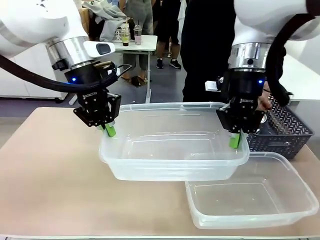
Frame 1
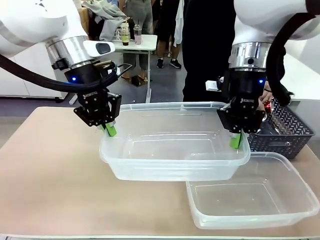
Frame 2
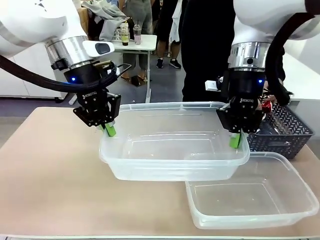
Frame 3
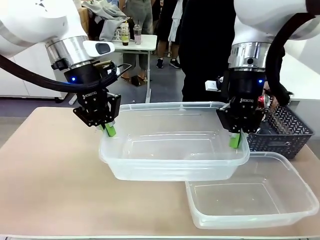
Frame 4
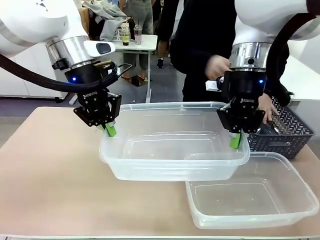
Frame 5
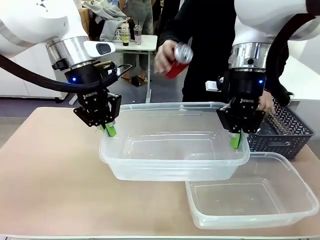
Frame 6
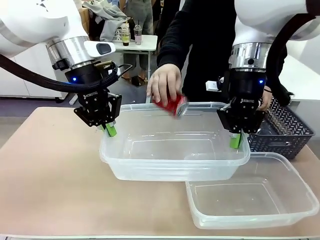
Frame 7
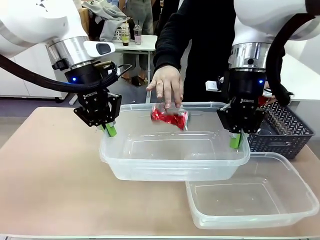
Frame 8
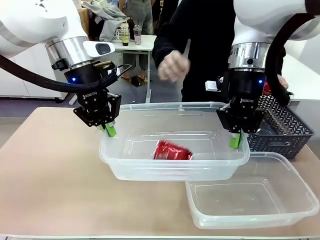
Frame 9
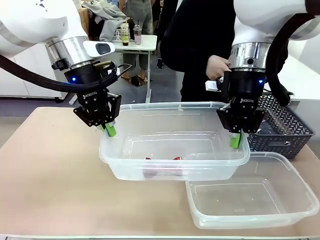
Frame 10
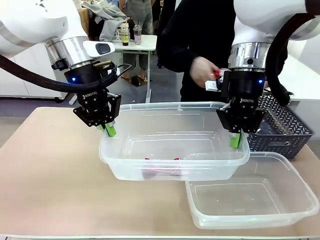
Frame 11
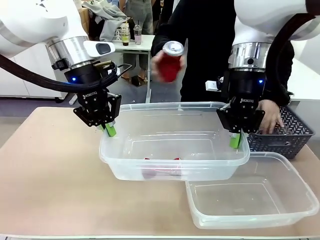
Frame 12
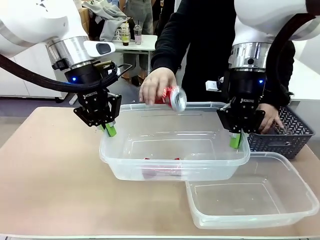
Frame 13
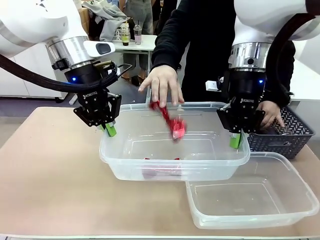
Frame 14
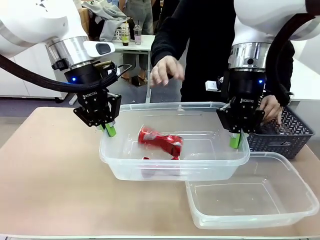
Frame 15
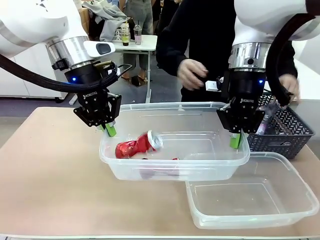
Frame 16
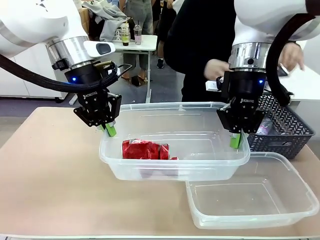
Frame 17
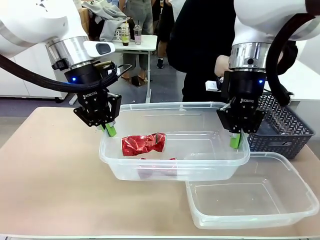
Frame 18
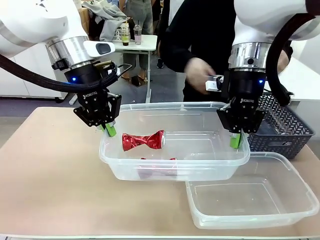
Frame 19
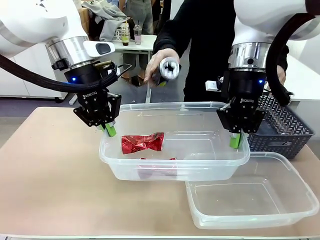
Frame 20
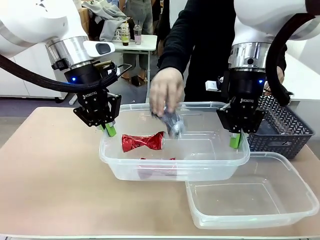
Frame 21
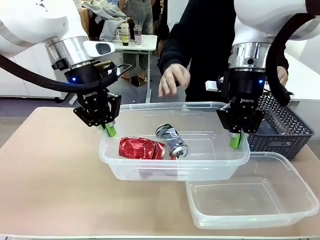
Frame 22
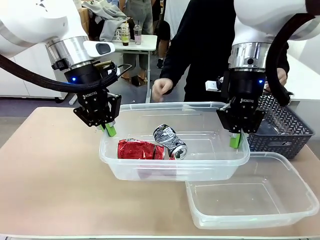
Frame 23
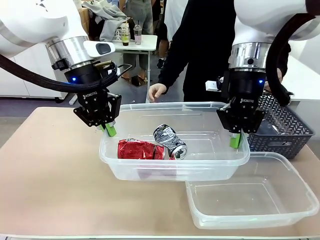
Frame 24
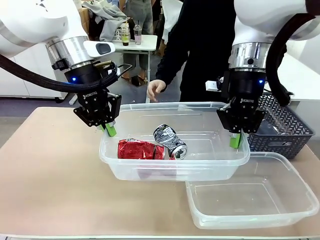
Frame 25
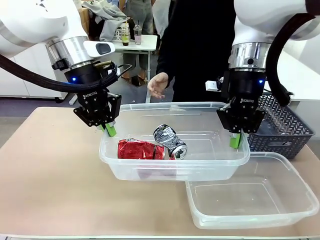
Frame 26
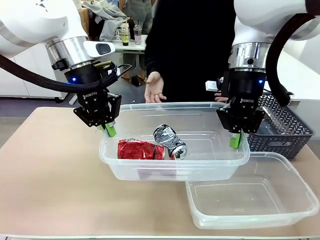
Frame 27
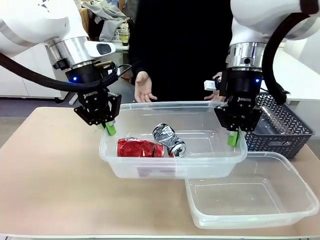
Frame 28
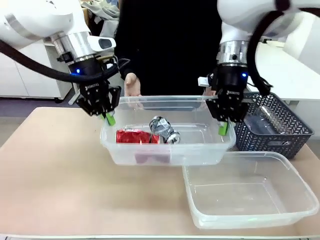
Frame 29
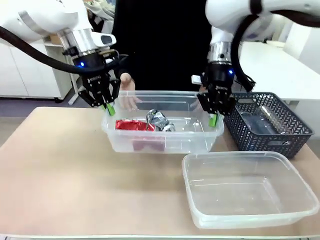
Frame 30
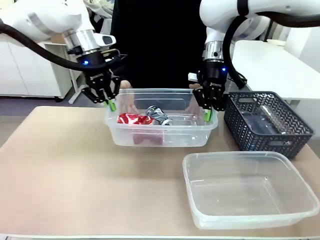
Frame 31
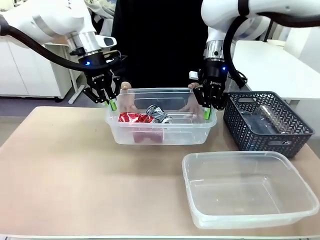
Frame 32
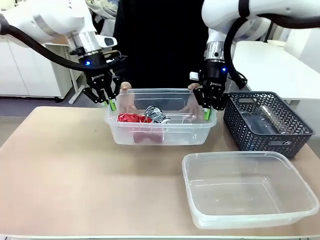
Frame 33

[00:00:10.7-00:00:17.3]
Robot: Offer the picked Organizing box to the human.

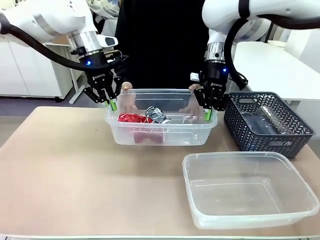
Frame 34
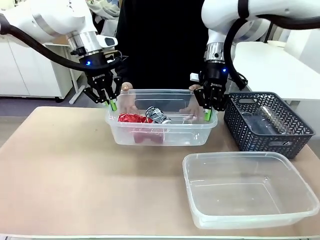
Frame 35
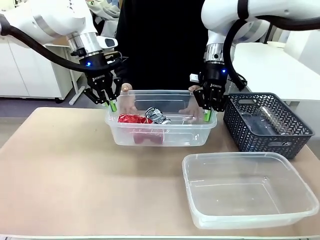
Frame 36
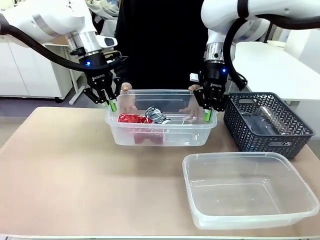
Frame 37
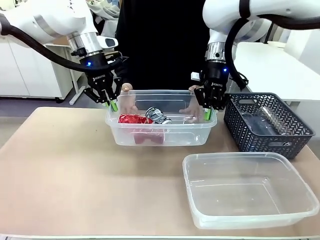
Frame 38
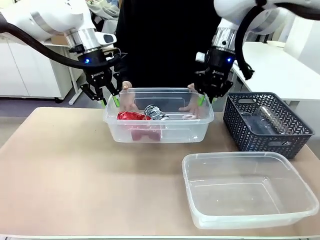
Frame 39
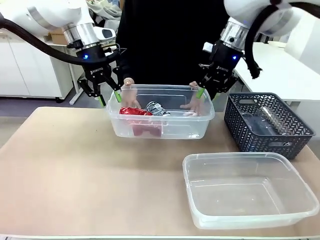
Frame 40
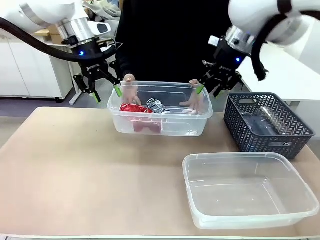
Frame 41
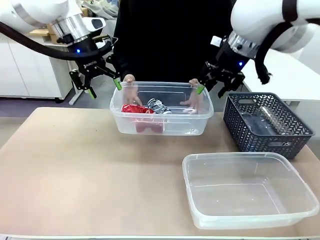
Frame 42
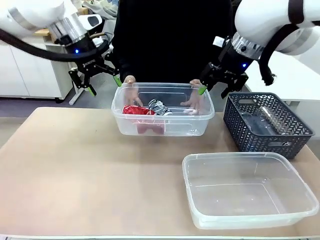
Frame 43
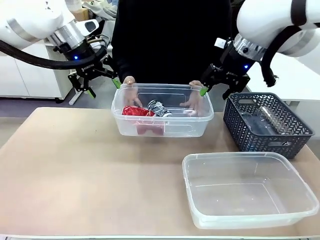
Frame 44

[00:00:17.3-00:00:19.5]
Robot: Release the Organizing box you were holding.

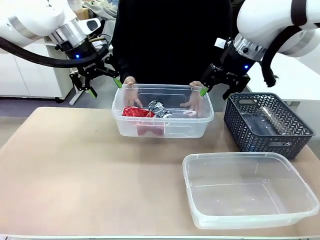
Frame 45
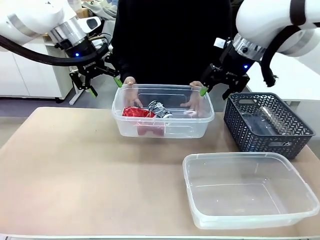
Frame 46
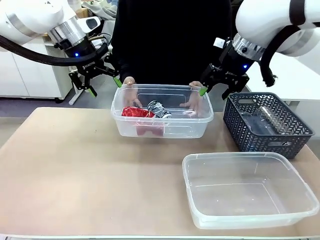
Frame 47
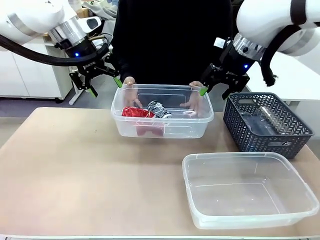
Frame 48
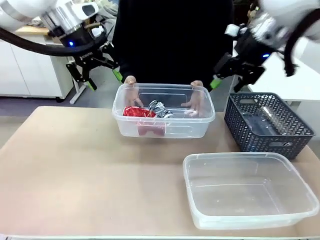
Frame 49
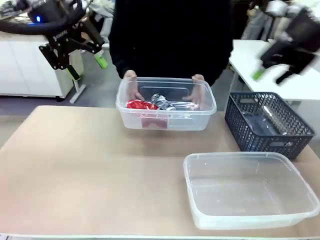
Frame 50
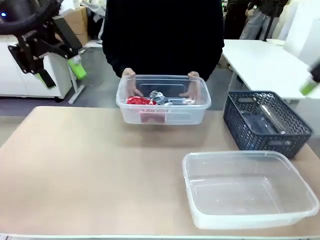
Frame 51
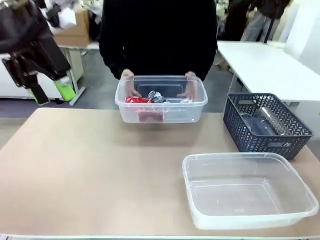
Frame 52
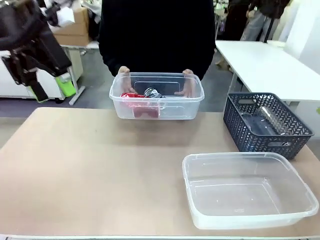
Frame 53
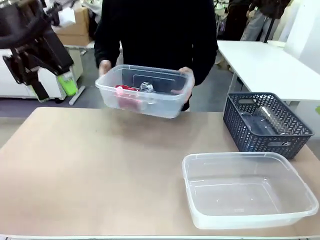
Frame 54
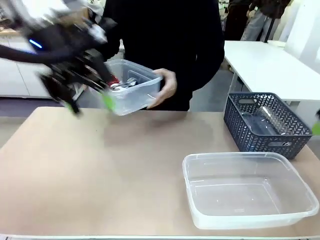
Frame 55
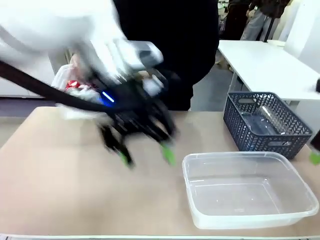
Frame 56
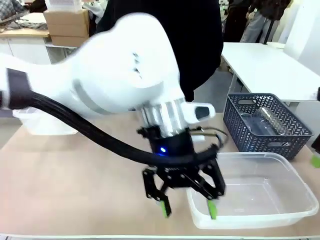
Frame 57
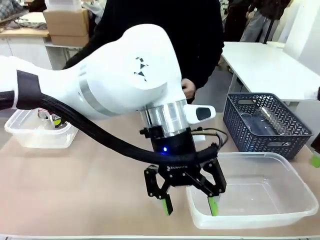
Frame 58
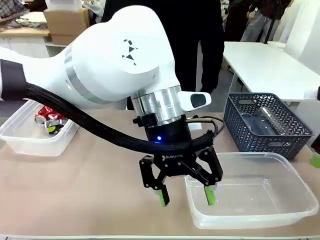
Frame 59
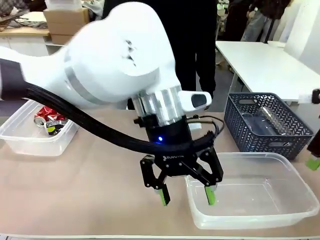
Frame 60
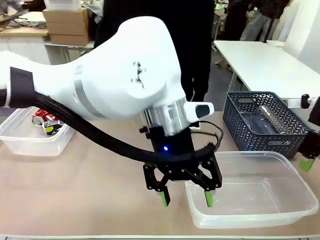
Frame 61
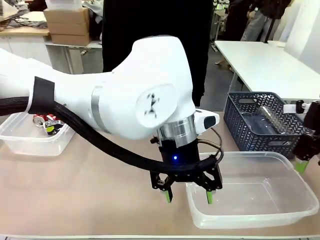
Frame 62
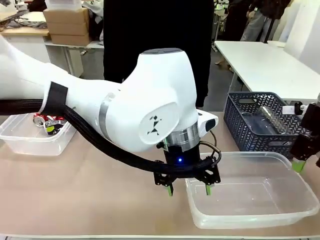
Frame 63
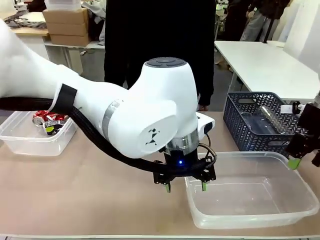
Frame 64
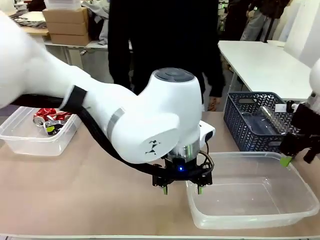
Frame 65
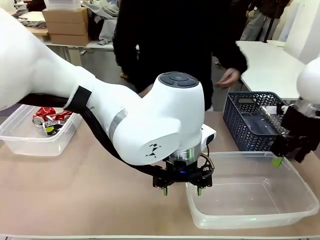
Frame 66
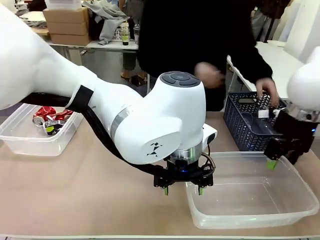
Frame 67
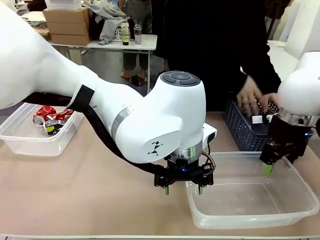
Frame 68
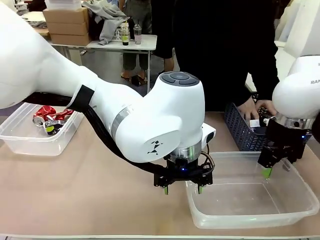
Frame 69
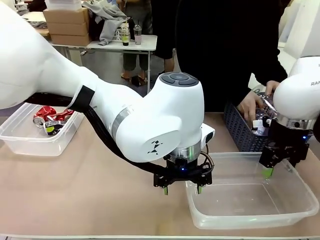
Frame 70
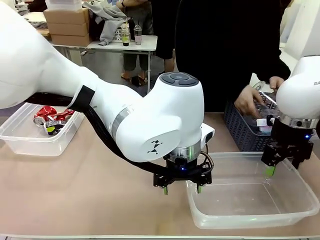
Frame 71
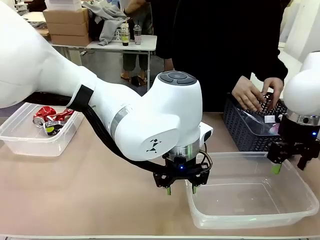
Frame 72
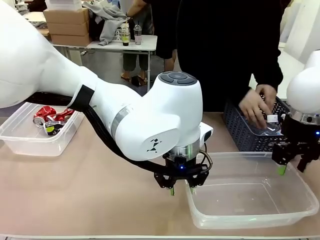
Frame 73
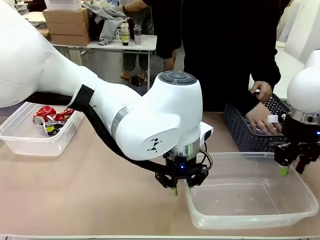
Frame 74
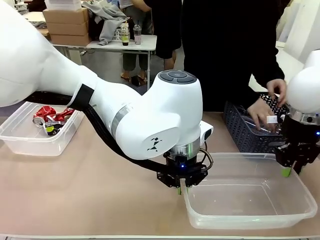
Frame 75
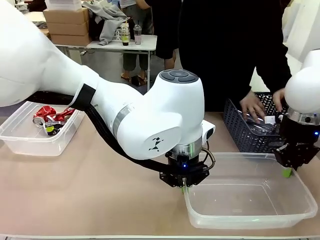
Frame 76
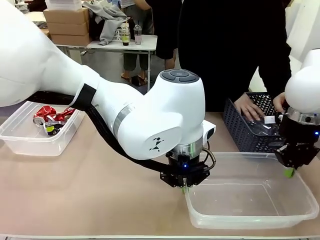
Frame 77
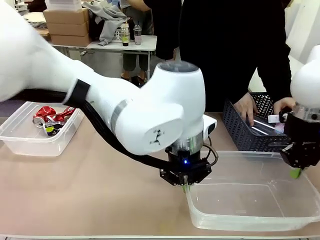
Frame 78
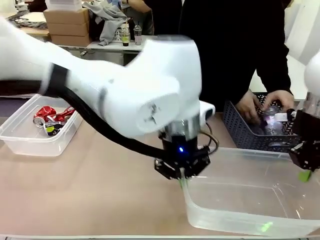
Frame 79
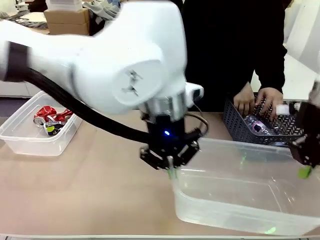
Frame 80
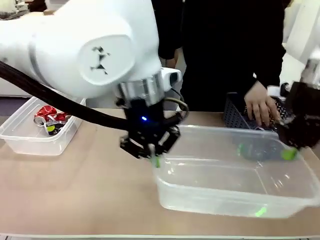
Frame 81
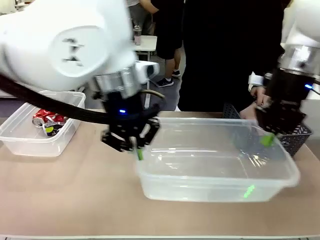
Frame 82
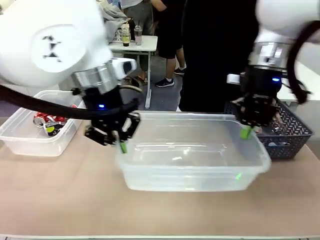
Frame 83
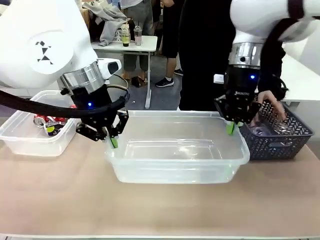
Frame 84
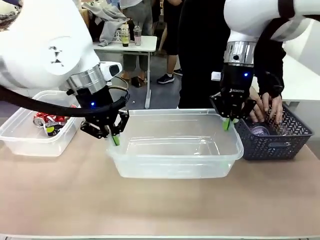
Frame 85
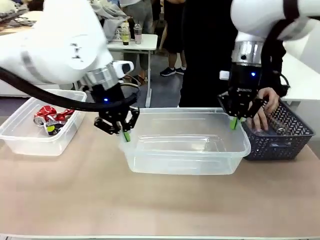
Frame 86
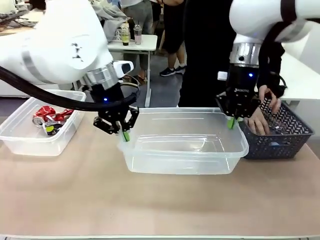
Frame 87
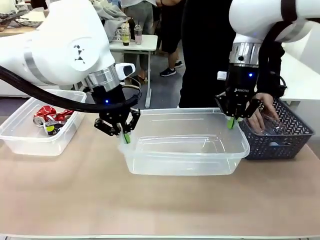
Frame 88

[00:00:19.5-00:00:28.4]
Robot: Pick up the Organizing box on the right side of the table and lift it.
Person: Place it at the edge of the bottom right area of the robot table. Pick up plastic waste one by one and place it into the organizing box lifted by the robot.

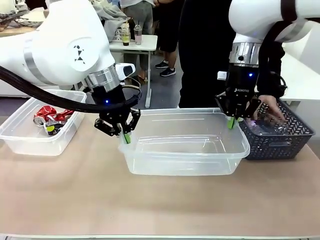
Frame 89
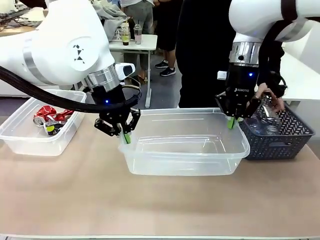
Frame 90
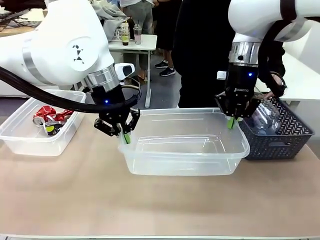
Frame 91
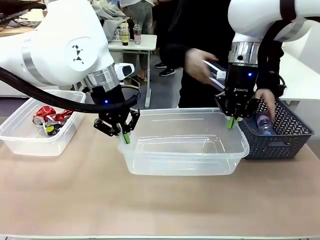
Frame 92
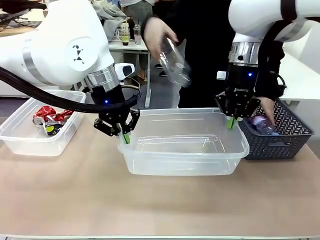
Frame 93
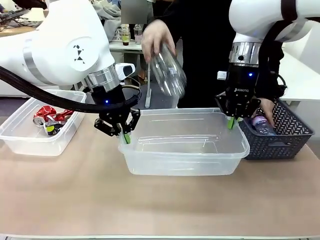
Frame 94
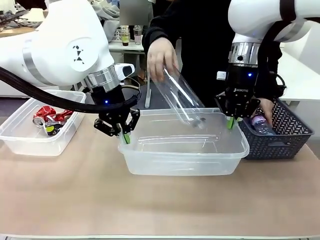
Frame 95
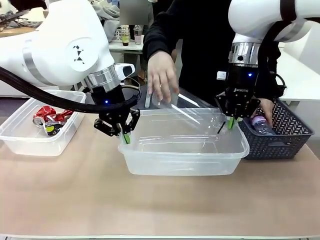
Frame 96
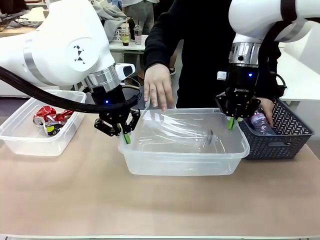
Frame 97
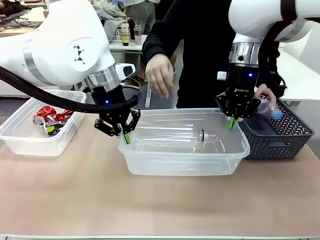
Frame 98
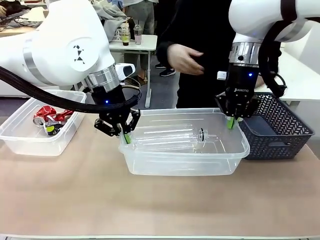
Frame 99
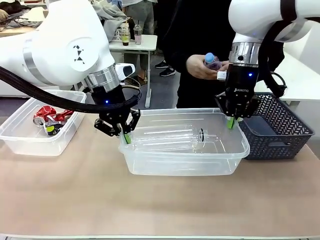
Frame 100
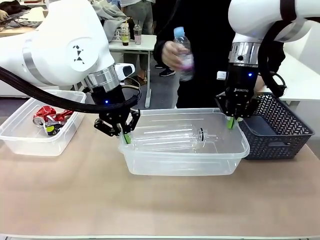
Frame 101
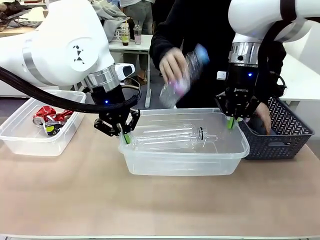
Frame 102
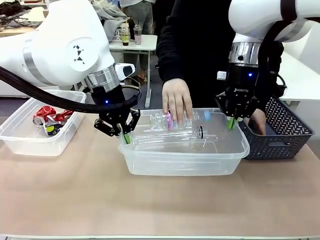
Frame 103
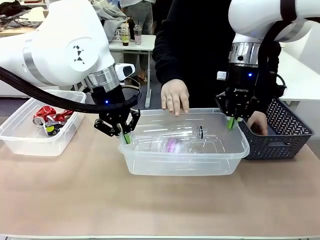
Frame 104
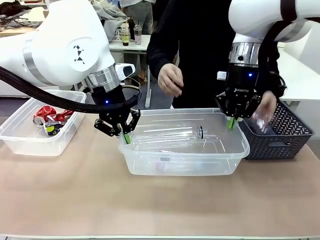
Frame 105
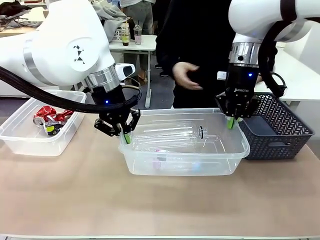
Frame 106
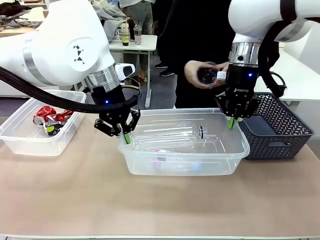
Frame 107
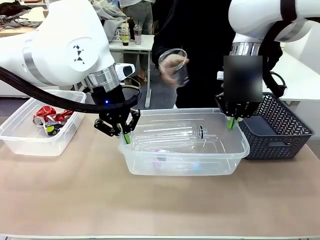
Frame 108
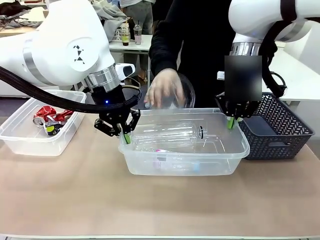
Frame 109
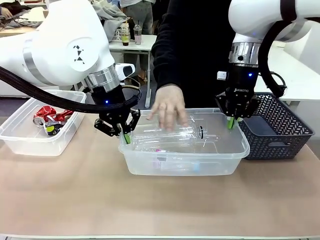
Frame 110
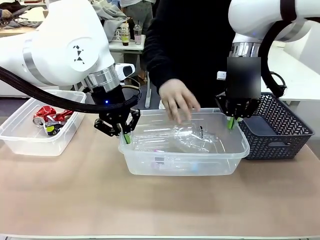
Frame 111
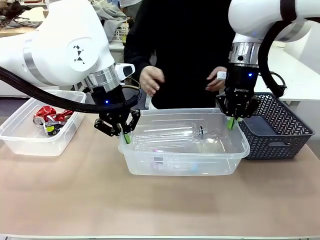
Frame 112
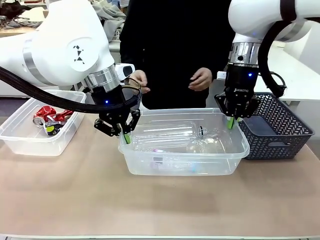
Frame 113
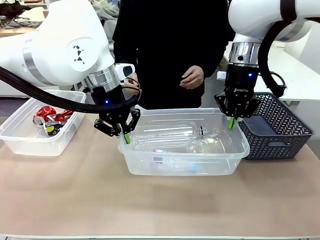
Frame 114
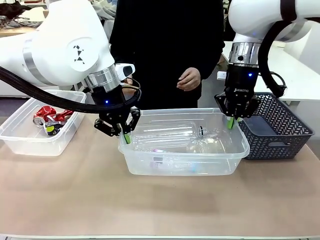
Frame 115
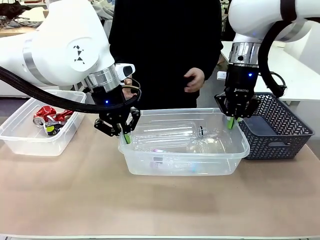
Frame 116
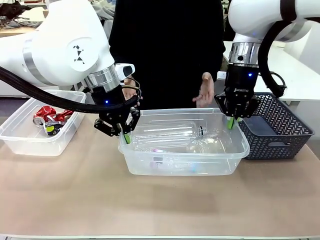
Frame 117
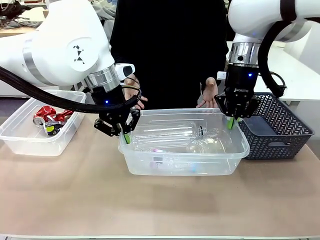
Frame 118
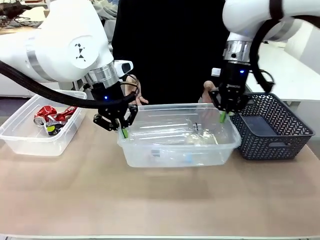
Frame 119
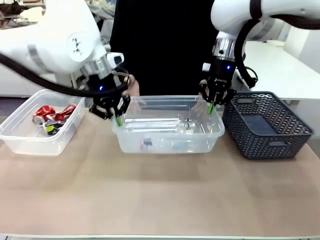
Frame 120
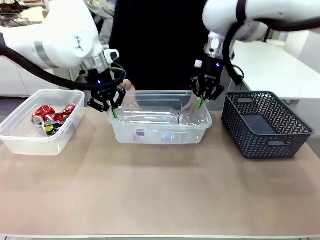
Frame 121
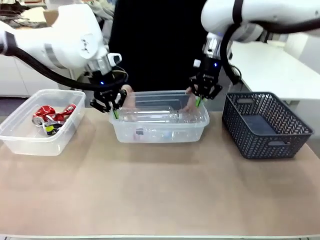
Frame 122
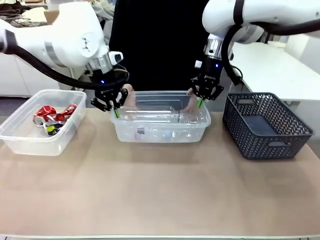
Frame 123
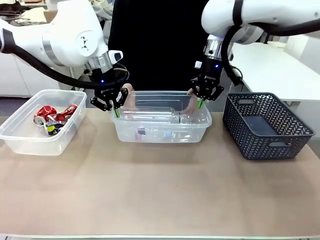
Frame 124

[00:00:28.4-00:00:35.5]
Robot: Offer the picked Organizing box to the human.
